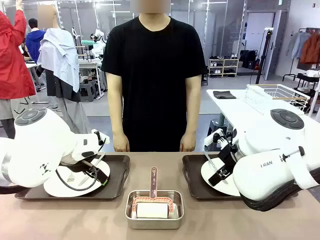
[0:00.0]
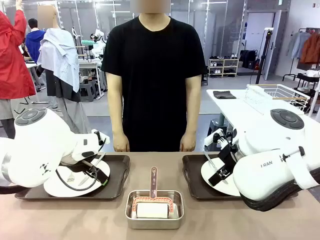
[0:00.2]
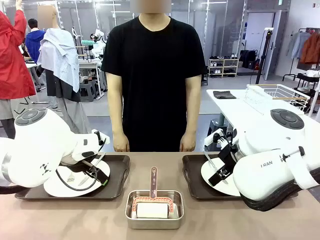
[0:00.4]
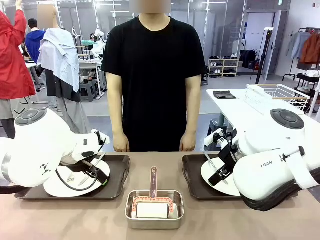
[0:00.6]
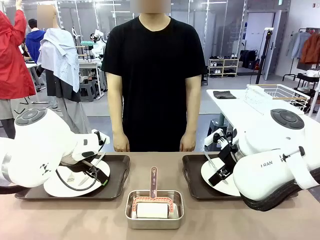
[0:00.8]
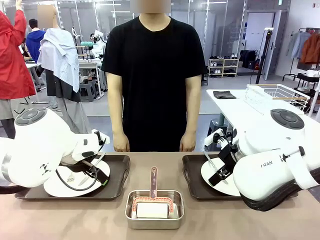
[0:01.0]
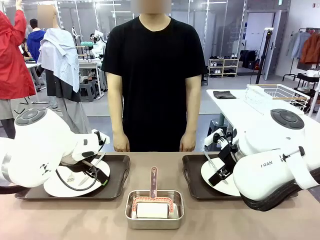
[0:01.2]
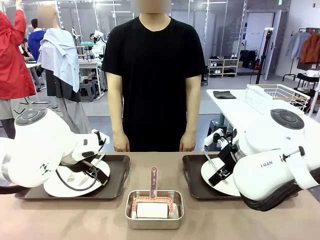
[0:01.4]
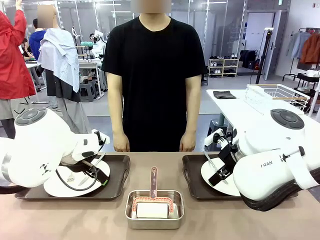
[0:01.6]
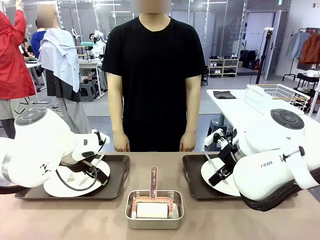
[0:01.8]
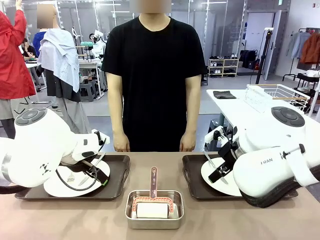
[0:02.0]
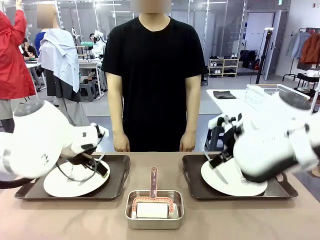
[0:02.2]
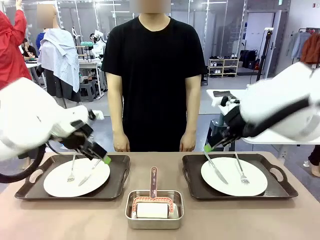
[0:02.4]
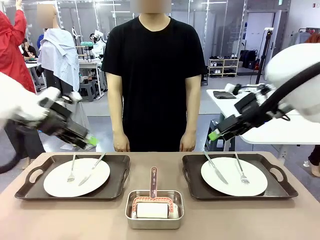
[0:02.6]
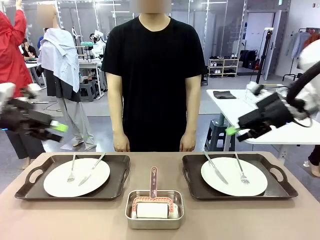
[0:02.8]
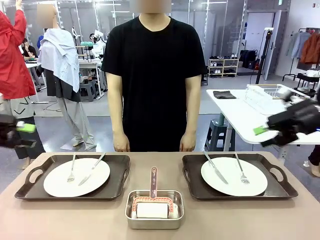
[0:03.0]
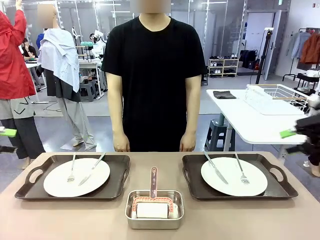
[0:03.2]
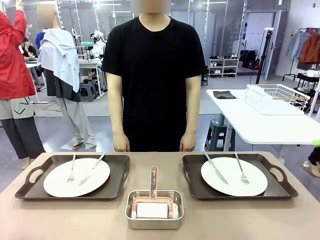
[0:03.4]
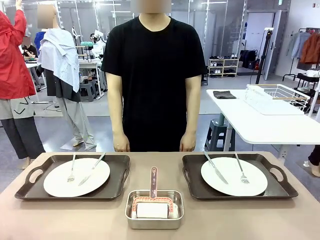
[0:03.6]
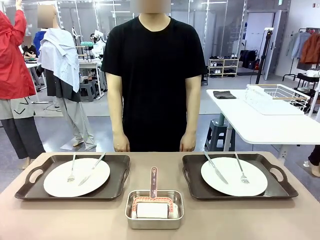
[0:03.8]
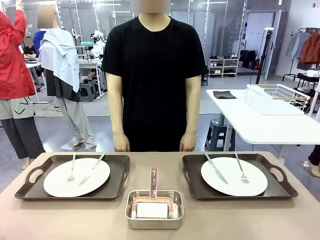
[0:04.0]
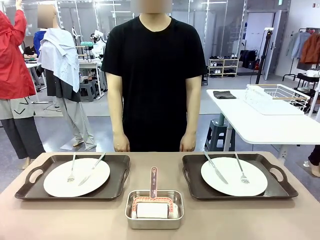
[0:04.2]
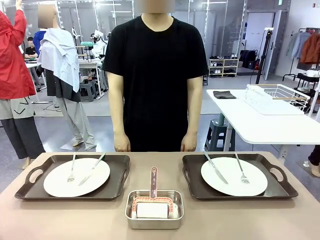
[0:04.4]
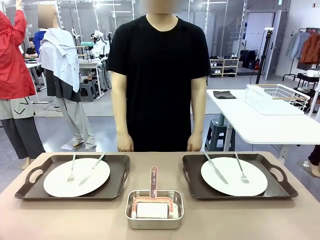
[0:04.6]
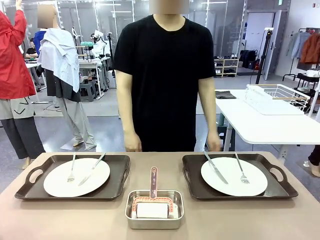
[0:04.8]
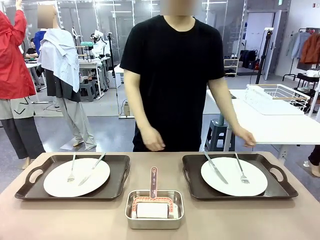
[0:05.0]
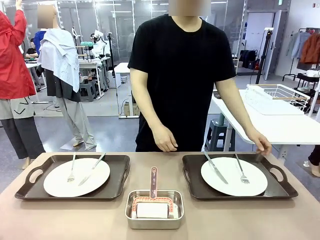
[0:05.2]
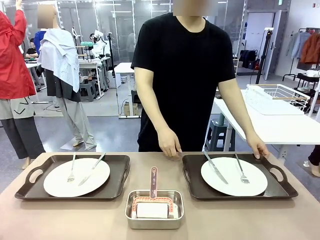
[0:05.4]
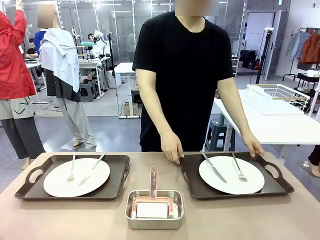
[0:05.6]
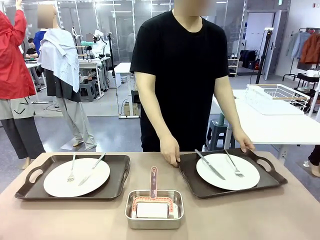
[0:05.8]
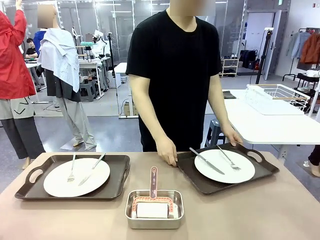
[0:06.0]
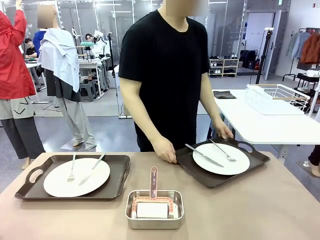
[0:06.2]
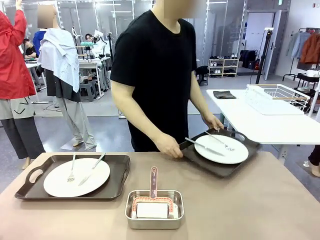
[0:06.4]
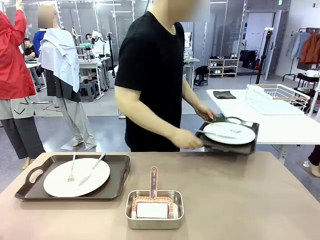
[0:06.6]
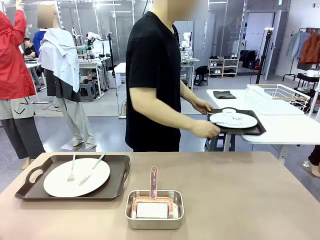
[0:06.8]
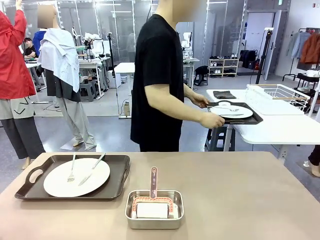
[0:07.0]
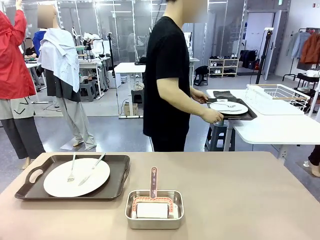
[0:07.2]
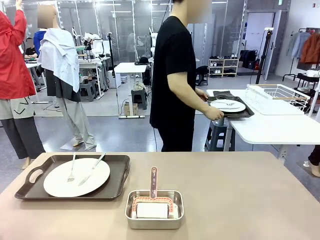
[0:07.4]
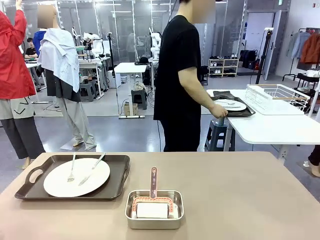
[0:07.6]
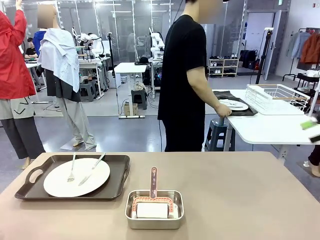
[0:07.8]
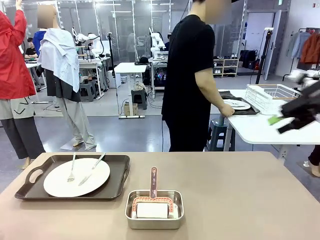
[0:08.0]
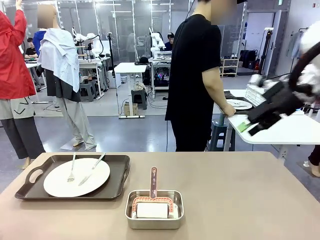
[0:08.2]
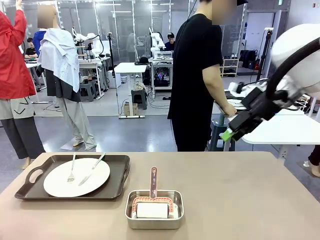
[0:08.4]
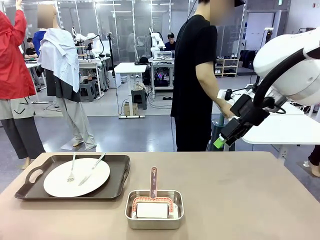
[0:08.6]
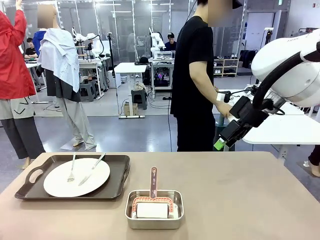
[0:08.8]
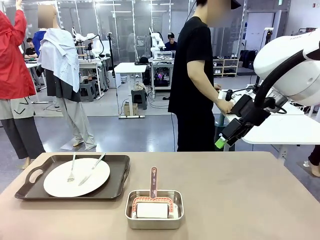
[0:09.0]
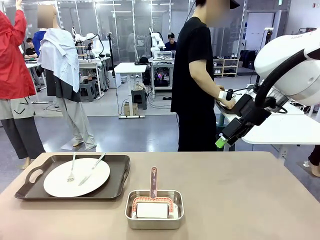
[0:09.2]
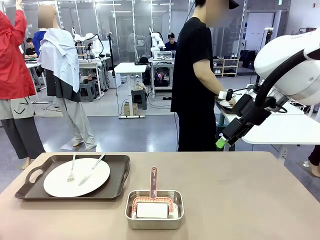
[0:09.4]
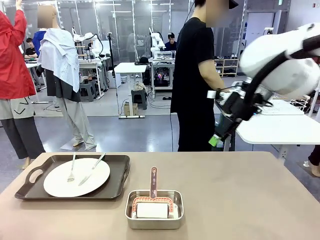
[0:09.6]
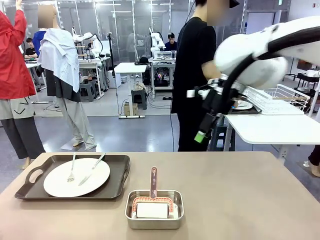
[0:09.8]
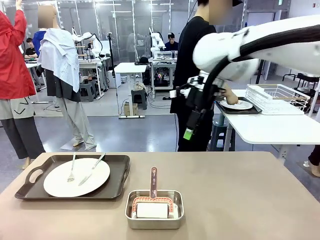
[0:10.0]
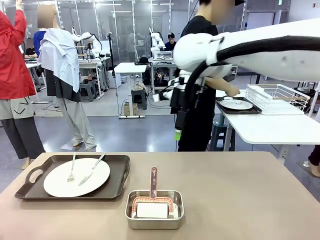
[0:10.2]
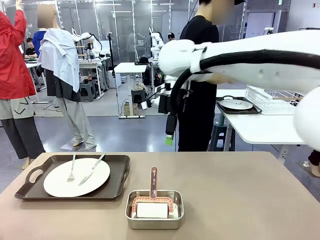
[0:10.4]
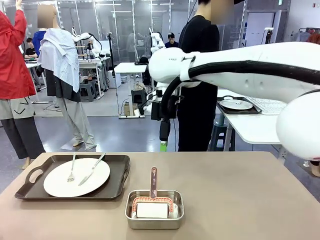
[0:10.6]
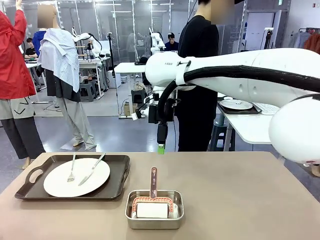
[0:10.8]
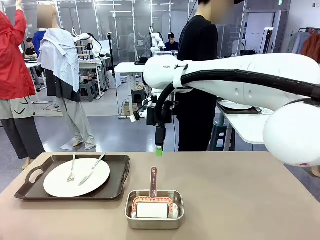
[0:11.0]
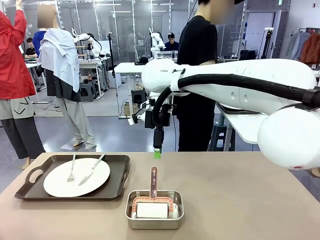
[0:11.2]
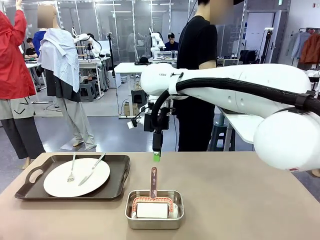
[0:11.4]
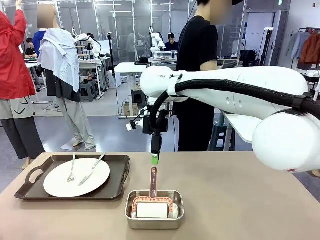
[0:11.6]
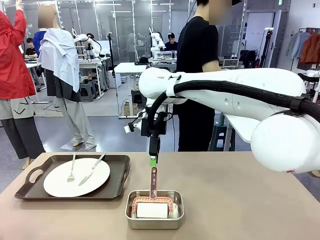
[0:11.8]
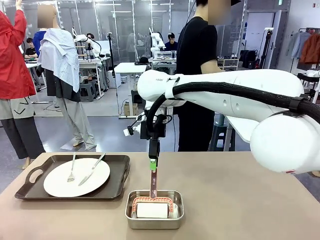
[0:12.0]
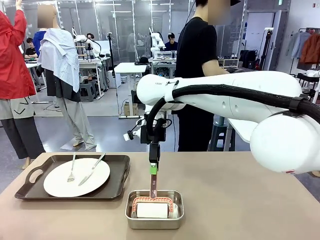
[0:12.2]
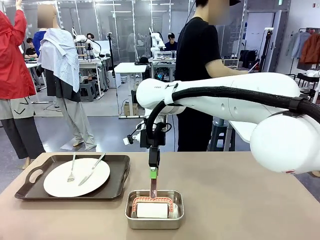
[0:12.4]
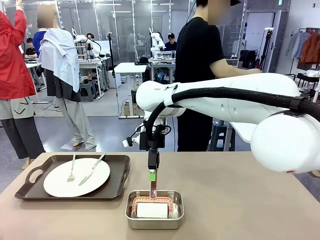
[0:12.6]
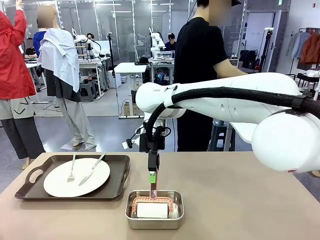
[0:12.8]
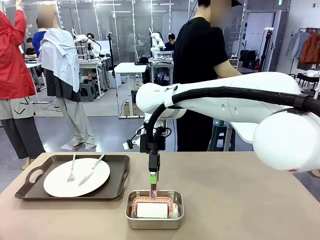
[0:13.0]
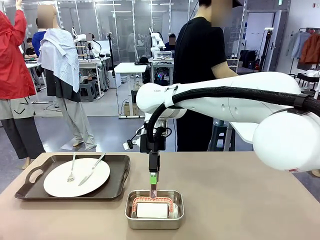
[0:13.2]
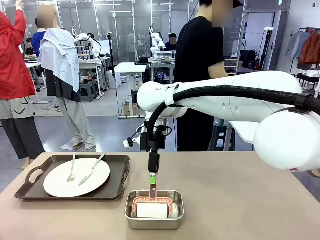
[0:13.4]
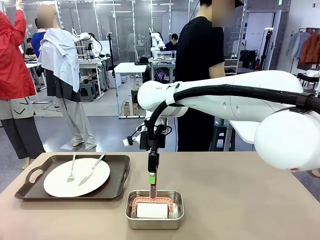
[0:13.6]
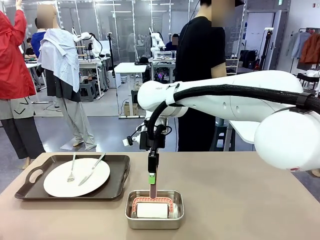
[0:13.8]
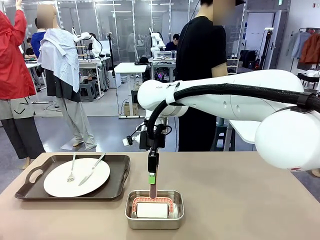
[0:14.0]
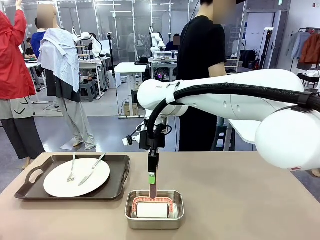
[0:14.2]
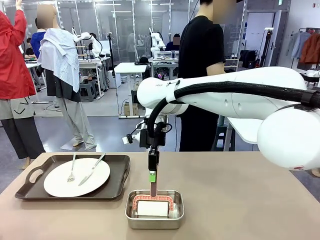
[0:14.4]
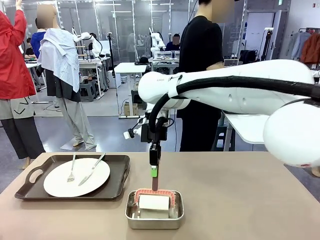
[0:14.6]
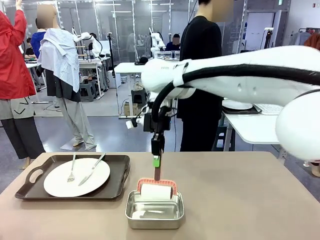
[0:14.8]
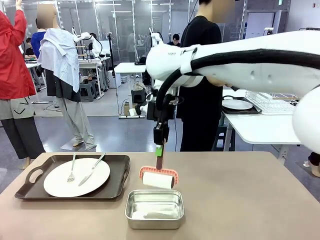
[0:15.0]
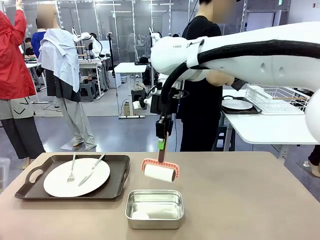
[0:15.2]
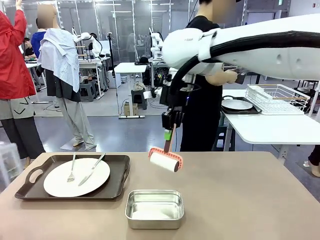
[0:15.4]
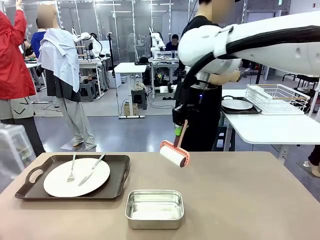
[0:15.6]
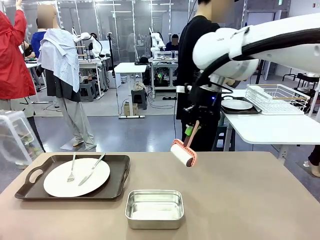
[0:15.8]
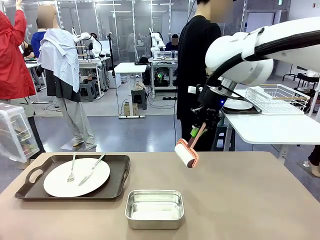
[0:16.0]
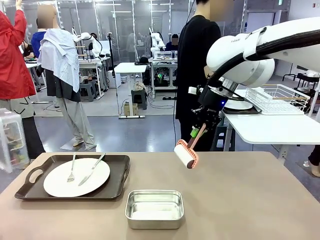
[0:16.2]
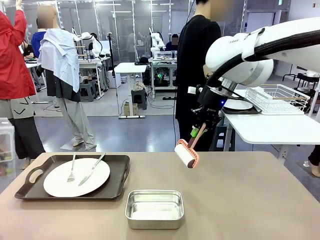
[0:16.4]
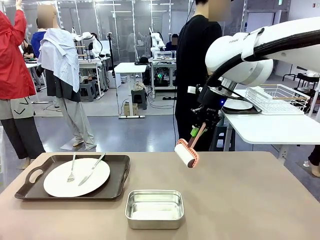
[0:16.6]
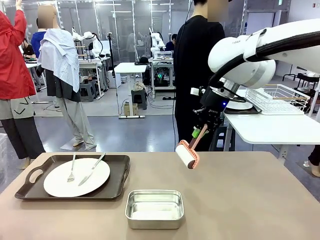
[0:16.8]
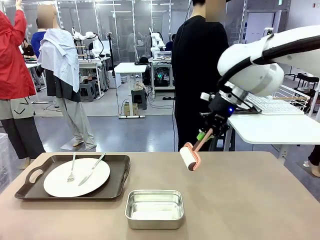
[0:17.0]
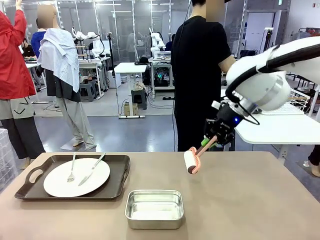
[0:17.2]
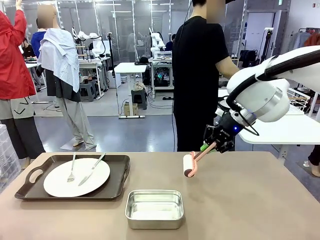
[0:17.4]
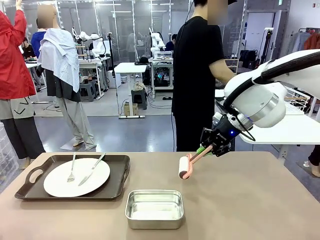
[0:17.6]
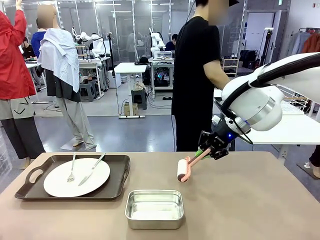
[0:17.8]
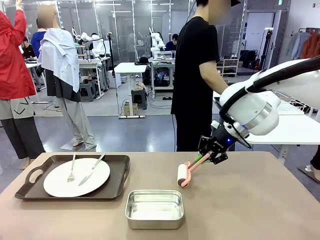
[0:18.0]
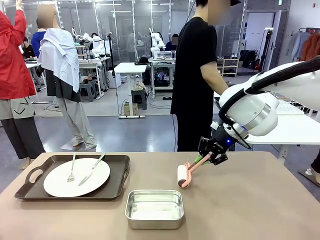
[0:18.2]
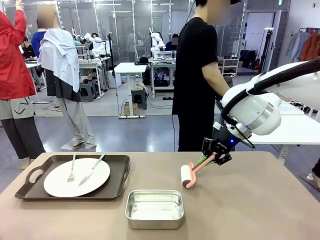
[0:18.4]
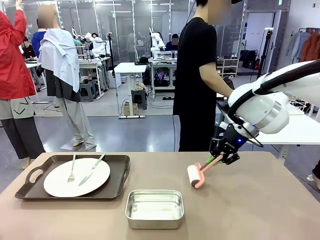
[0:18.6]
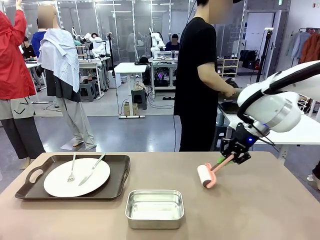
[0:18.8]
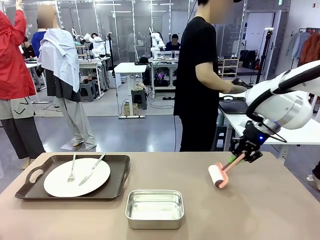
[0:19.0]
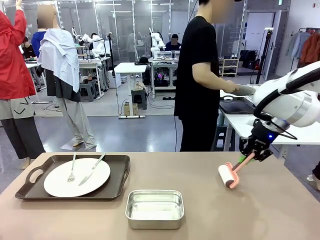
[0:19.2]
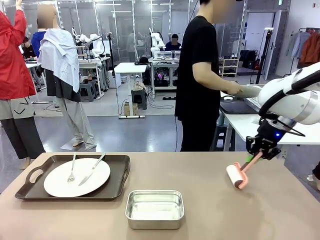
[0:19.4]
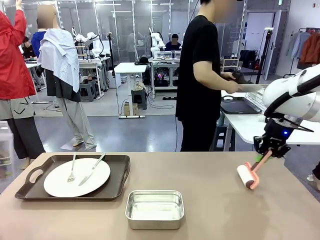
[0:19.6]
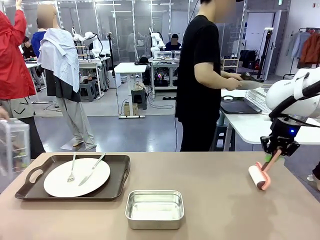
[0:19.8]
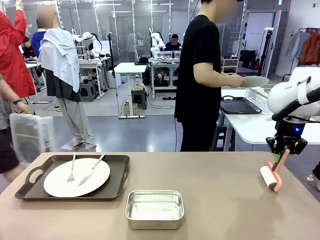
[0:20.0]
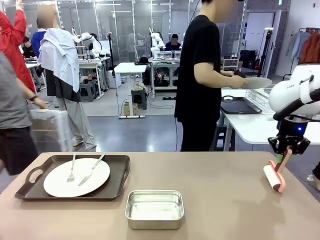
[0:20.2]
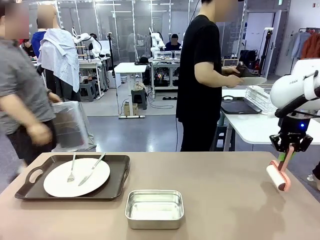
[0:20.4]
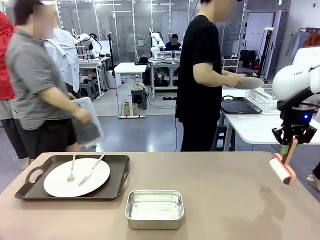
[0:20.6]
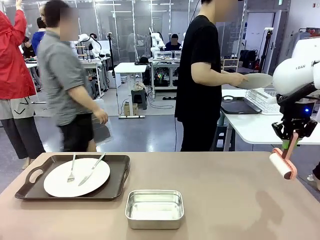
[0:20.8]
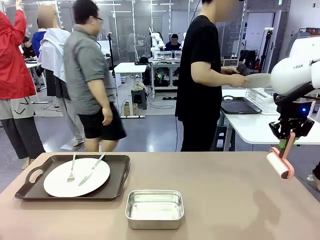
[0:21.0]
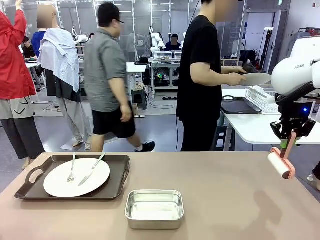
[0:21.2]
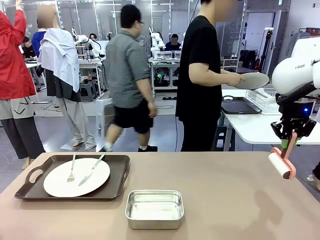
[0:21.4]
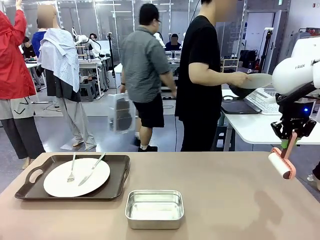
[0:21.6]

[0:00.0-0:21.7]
Robot: When the left (or right) Handle tray is removed, use the left hand (or right hand) to clean the left (or right) side of the table with the Lint Roller.
Person: Pick up the left (or right) Handle tray and place it on the middle of the Human's table. Use the Towel with hook to wipe the Plastic Matte Plate , Fork , and Knife and place into the Dish drying rack.
